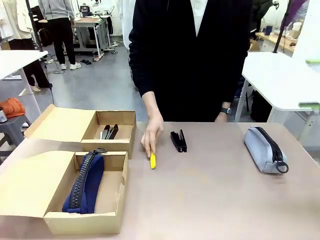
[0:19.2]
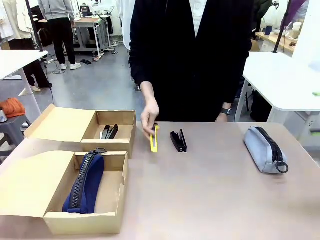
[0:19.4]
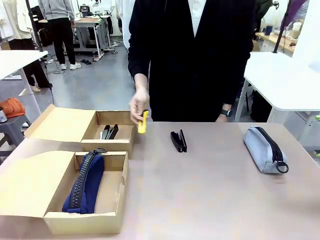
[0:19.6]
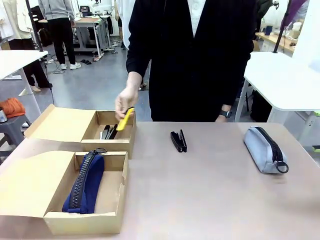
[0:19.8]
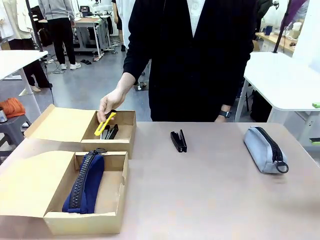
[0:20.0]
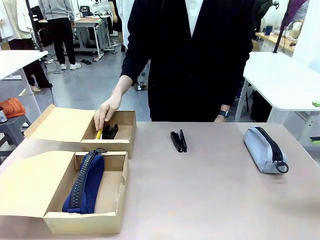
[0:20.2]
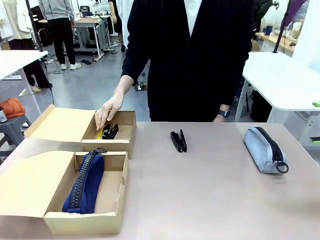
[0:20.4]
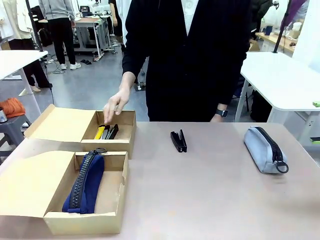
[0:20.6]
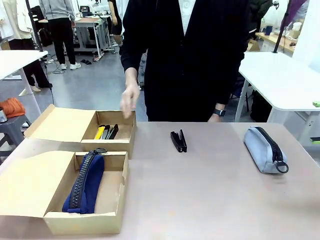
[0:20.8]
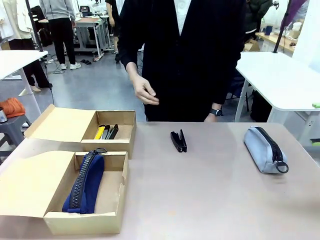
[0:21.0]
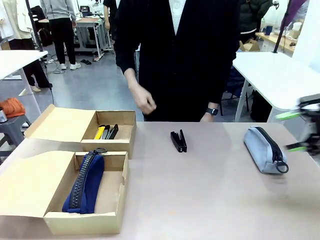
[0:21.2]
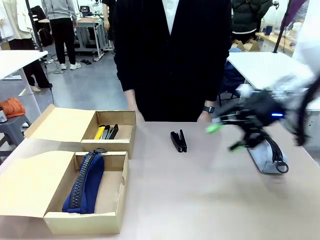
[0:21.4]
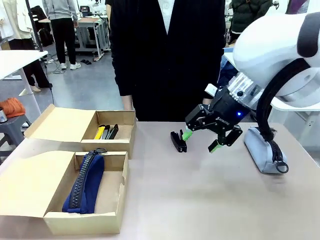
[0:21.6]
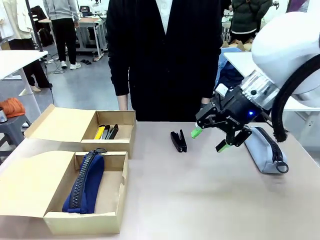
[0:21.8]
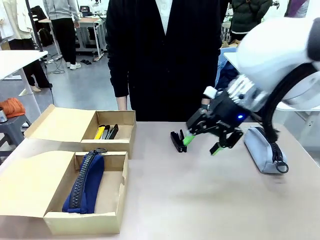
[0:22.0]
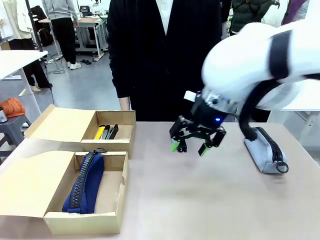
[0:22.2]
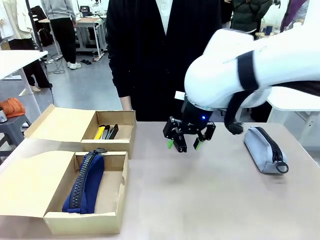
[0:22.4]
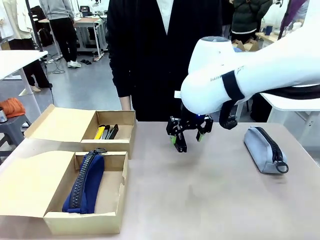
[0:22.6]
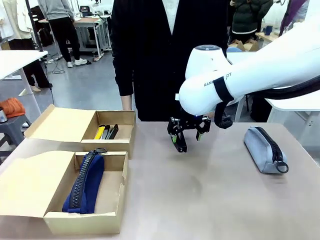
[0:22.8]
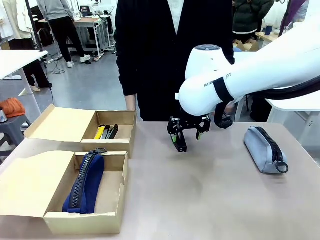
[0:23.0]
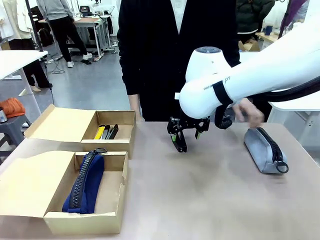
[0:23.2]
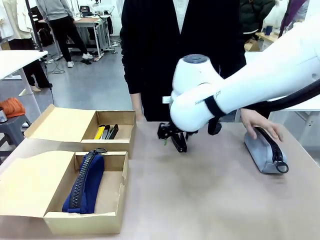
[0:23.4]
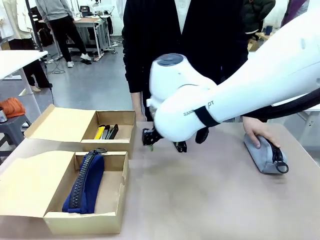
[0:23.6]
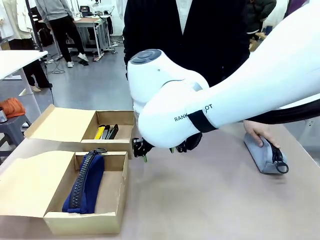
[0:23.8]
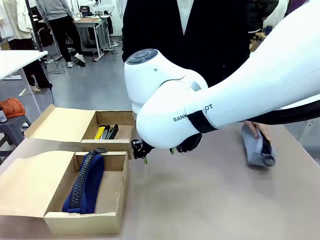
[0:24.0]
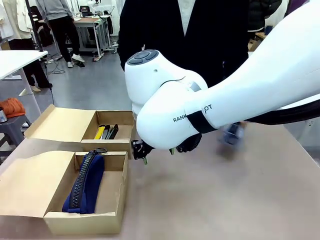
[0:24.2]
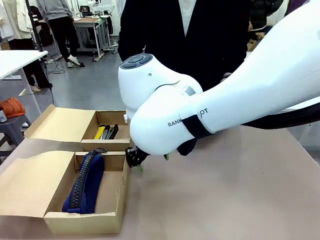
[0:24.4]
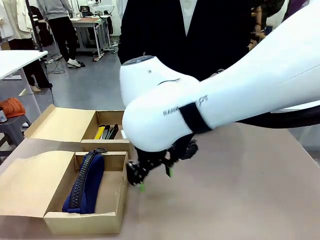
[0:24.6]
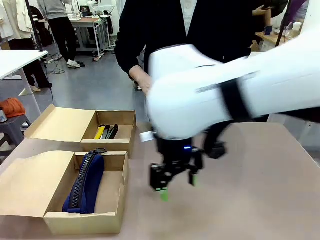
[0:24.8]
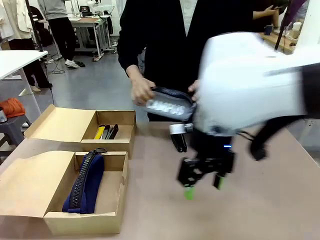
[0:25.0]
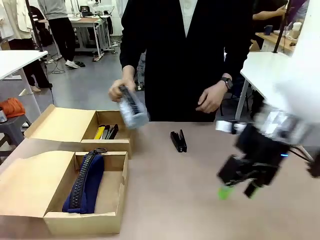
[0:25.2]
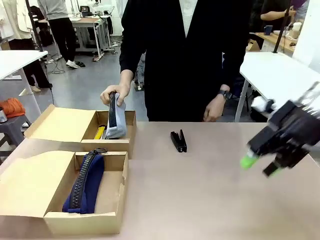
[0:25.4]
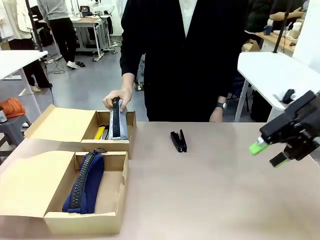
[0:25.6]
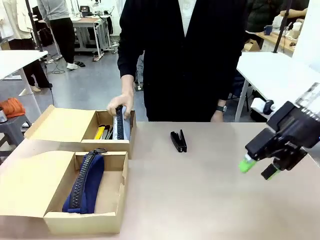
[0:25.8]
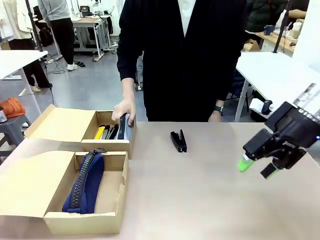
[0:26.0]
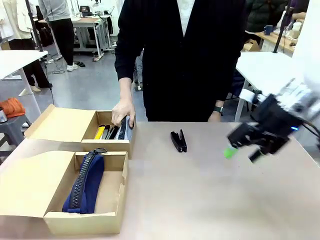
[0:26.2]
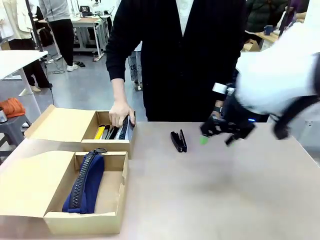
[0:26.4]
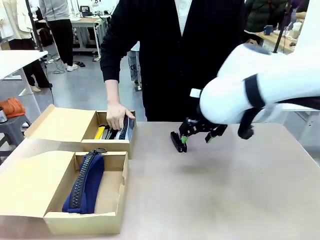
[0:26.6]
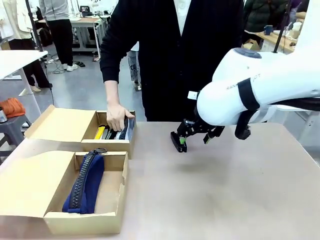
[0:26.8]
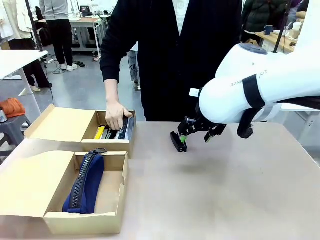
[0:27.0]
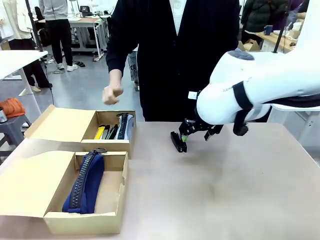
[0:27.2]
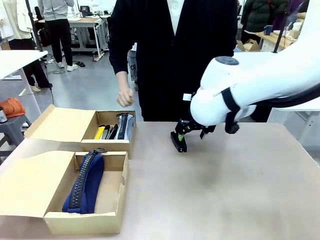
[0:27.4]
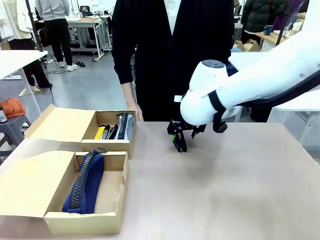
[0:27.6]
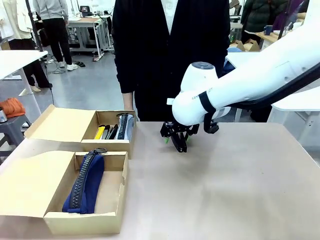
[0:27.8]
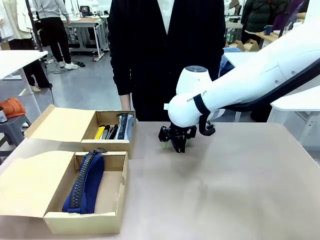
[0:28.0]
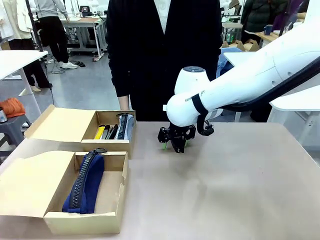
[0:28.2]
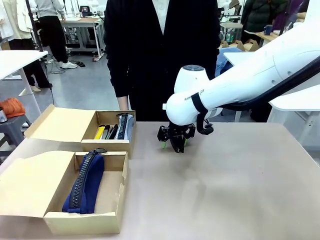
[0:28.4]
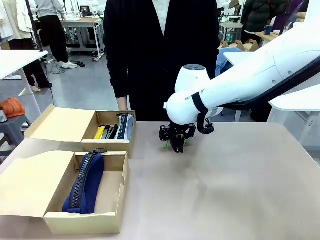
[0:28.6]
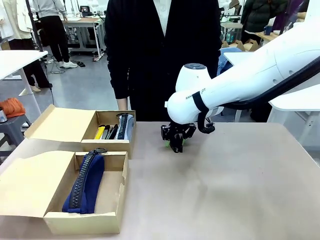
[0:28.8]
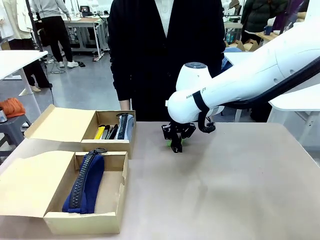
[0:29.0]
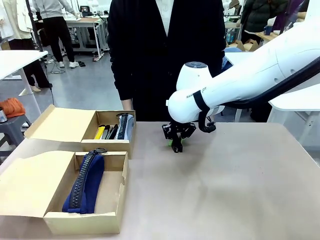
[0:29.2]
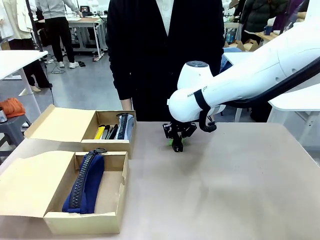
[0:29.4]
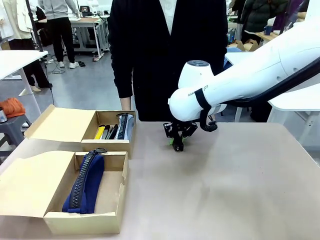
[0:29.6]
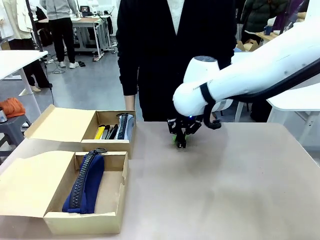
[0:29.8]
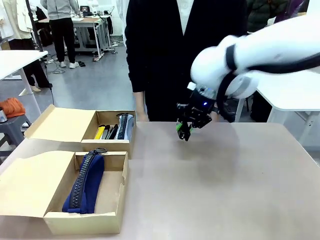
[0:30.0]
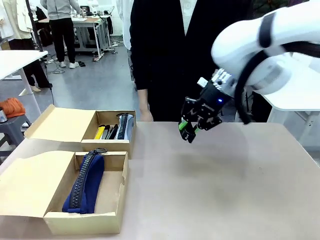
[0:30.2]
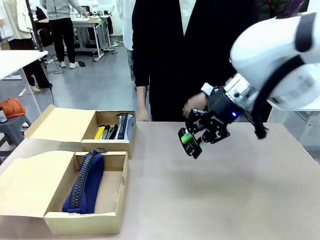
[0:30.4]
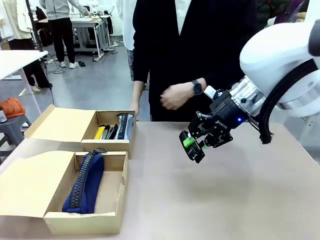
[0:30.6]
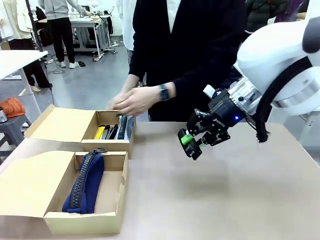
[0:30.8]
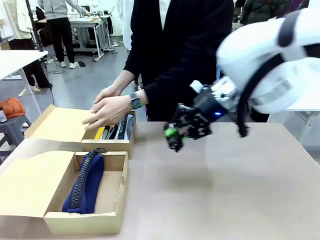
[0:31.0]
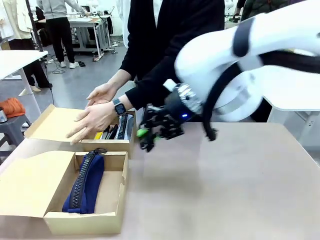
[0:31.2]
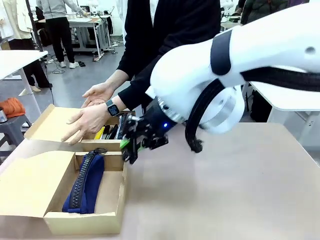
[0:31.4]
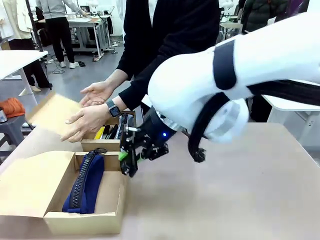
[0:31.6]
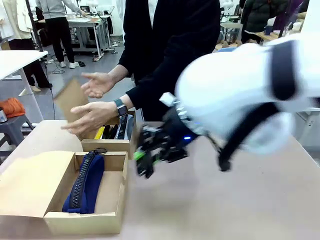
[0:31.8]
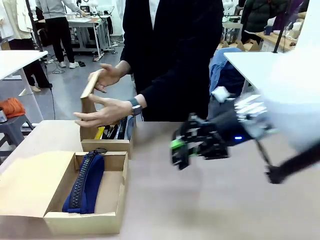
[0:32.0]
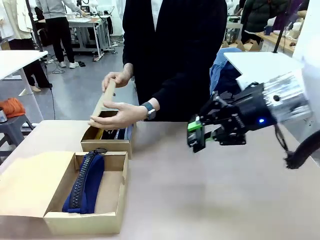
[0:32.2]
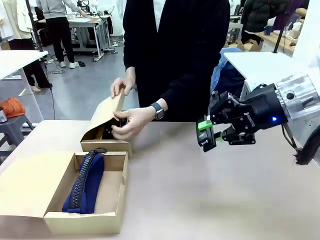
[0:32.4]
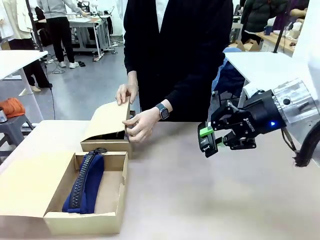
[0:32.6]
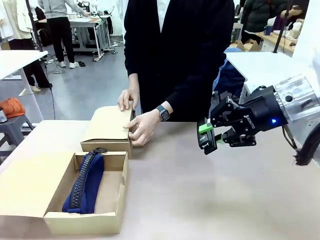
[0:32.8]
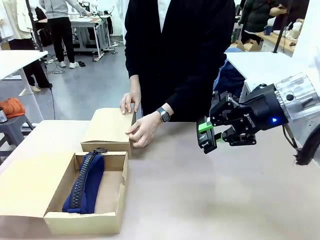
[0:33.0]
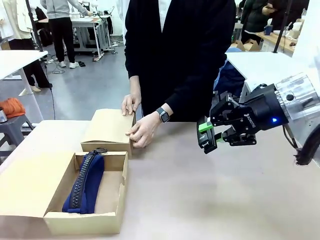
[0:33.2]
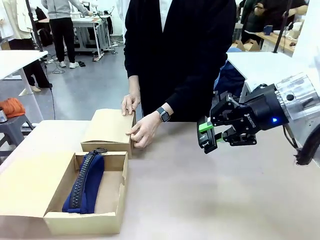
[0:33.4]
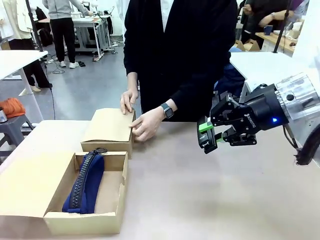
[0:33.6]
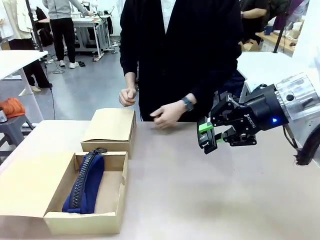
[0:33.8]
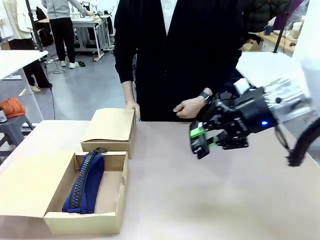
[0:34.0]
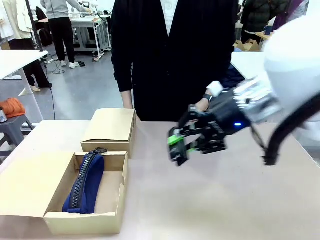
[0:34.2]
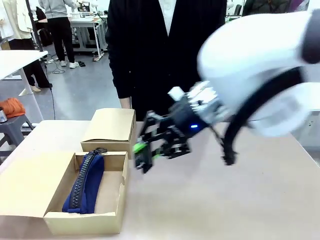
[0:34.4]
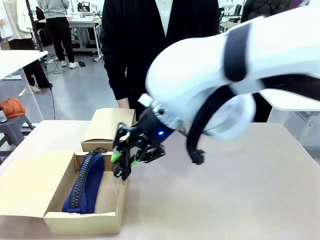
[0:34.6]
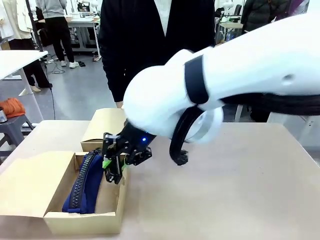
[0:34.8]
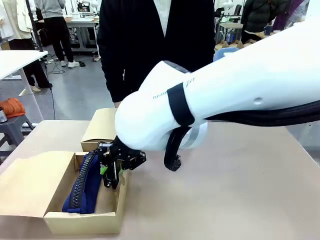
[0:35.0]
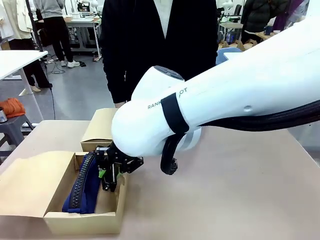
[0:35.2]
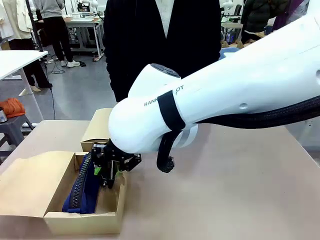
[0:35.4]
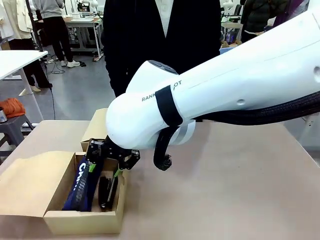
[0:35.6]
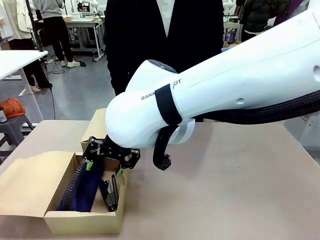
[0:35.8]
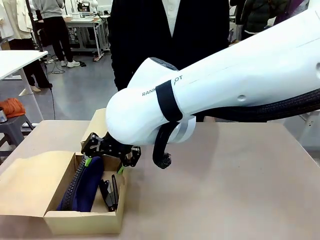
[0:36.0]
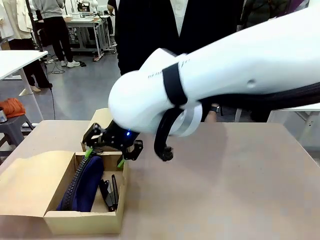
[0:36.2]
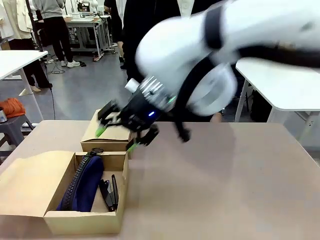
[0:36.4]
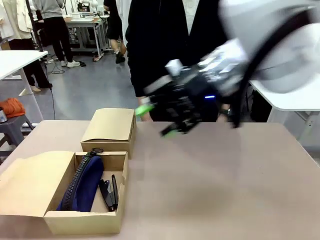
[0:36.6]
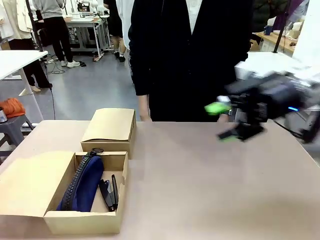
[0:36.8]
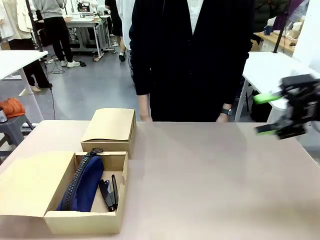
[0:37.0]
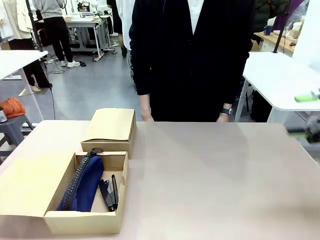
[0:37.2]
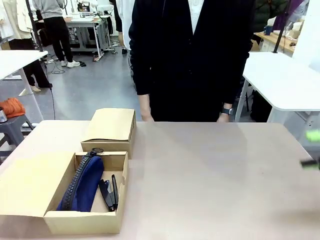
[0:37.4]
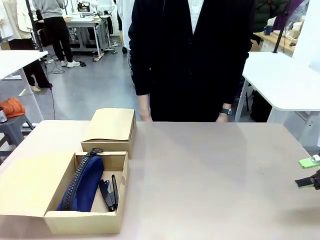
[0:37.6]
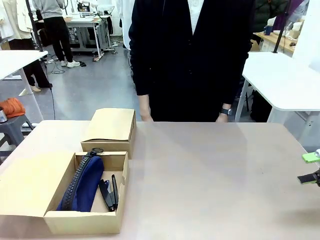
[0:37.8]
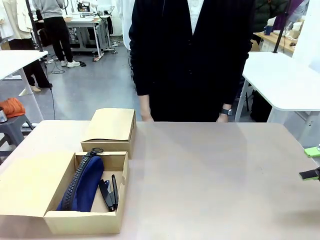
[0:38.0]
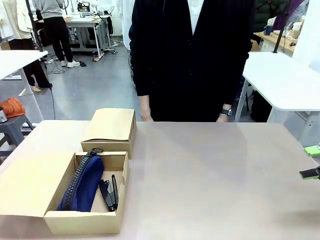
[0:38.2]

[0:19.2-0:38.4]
Task: Place items inside the box.
Robot: Pick up a Pencil pouch or Stapler and place it inside the Mailer Box closest to the robot.
Person: Close the lid of the box facing the person.
